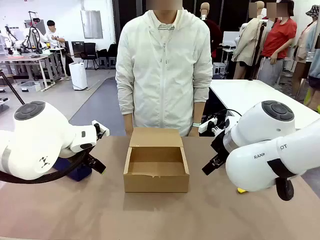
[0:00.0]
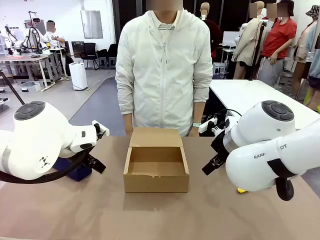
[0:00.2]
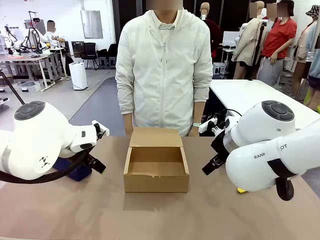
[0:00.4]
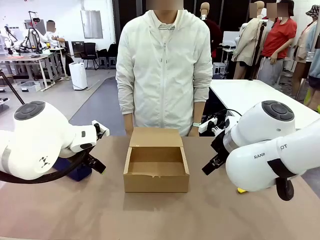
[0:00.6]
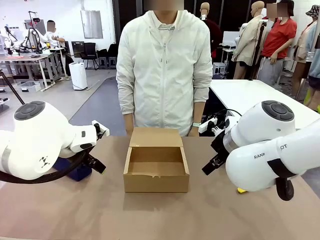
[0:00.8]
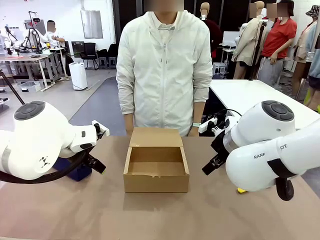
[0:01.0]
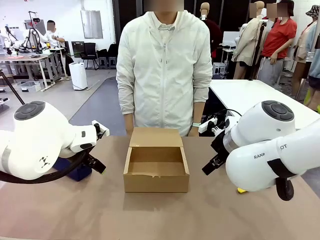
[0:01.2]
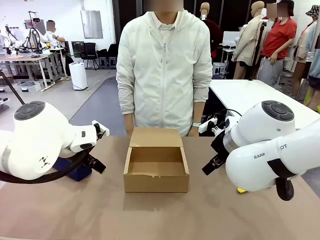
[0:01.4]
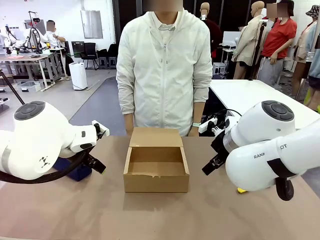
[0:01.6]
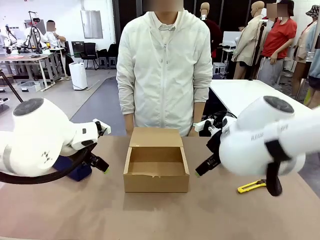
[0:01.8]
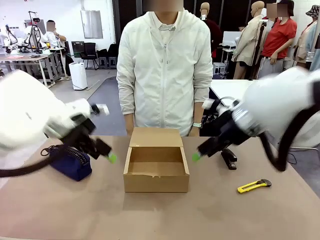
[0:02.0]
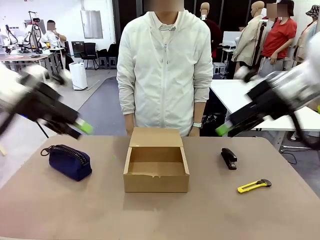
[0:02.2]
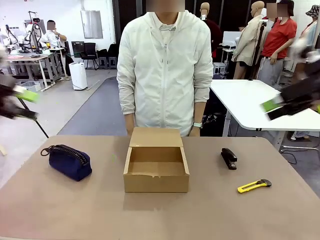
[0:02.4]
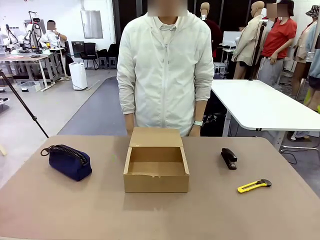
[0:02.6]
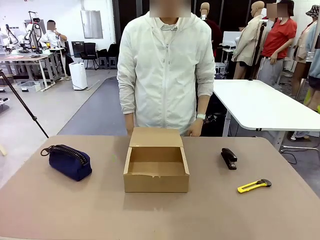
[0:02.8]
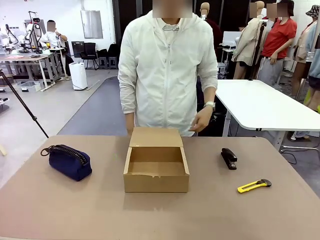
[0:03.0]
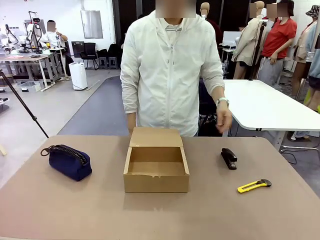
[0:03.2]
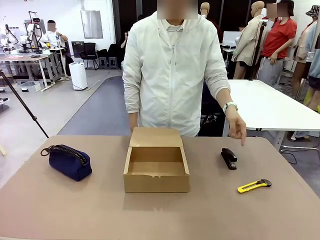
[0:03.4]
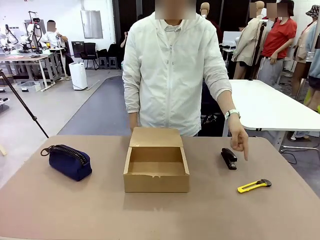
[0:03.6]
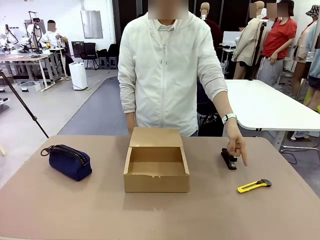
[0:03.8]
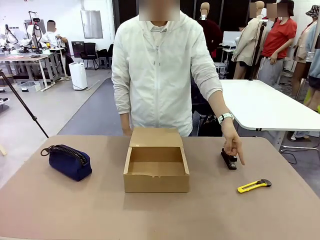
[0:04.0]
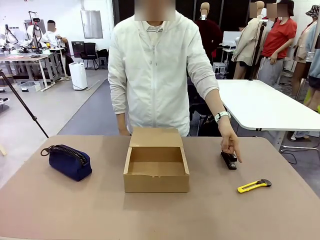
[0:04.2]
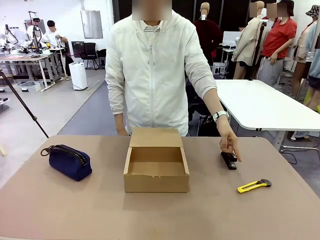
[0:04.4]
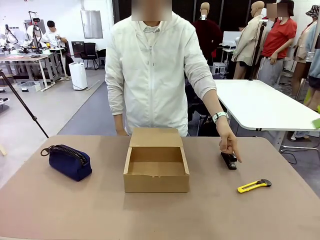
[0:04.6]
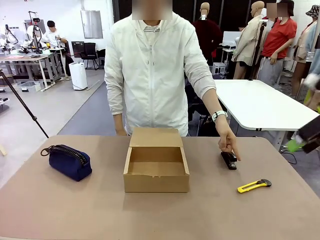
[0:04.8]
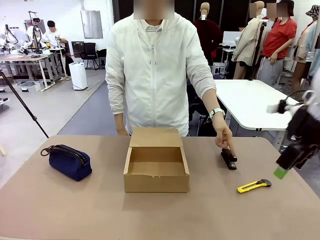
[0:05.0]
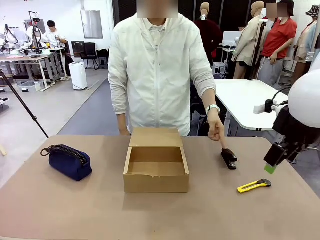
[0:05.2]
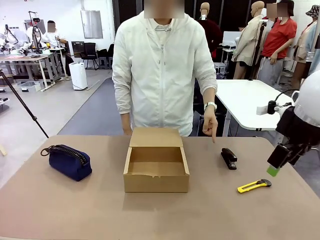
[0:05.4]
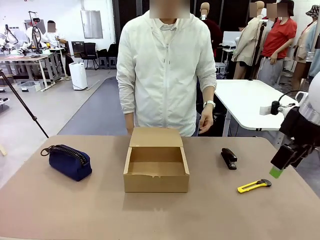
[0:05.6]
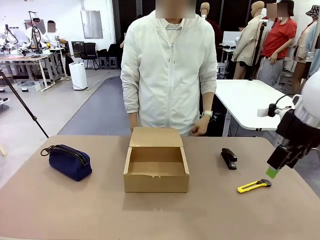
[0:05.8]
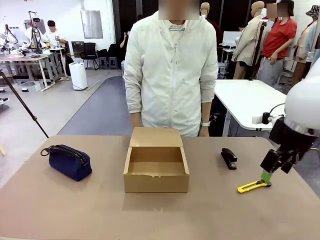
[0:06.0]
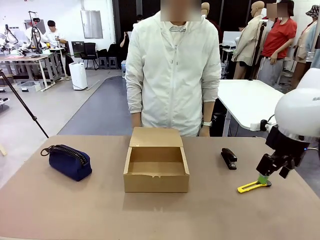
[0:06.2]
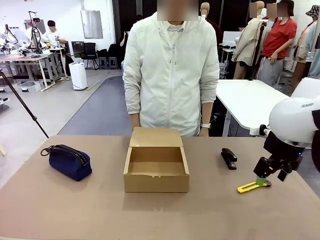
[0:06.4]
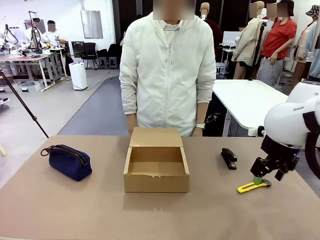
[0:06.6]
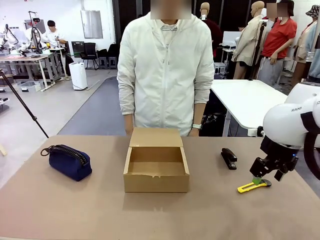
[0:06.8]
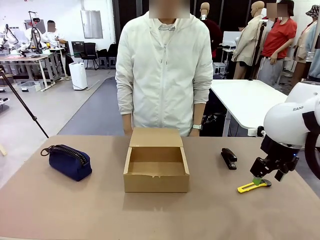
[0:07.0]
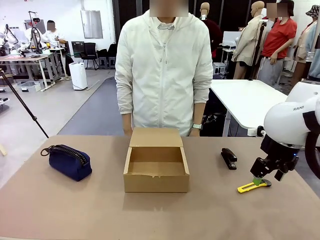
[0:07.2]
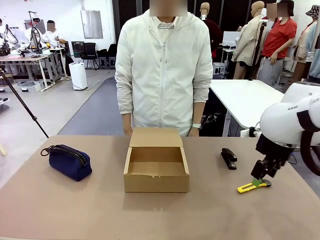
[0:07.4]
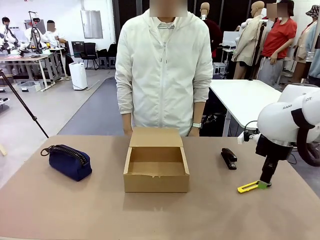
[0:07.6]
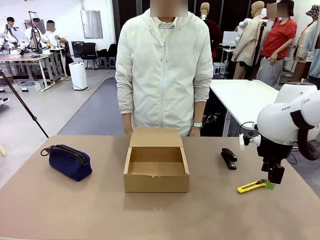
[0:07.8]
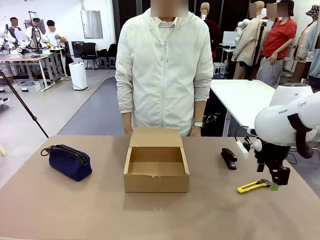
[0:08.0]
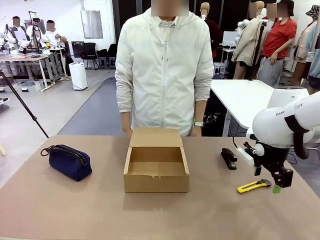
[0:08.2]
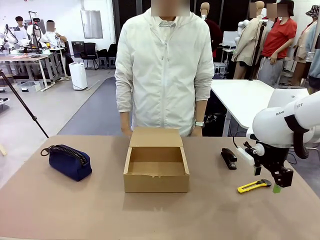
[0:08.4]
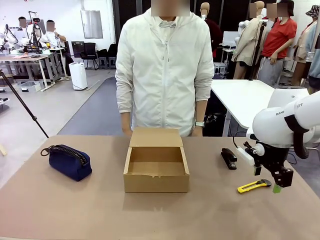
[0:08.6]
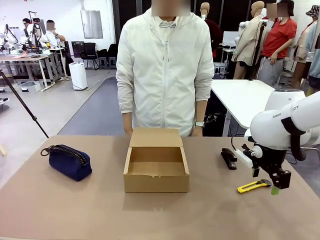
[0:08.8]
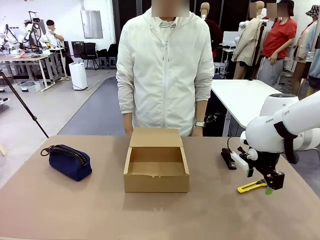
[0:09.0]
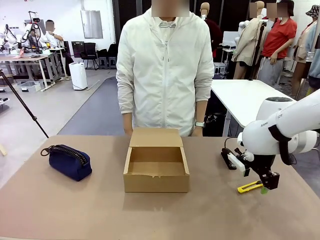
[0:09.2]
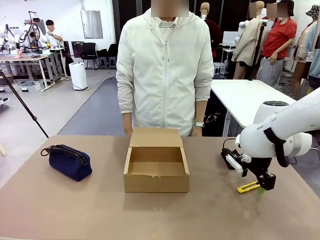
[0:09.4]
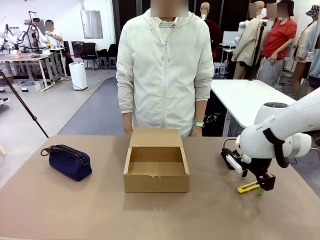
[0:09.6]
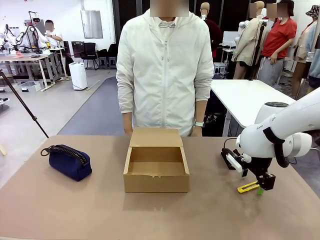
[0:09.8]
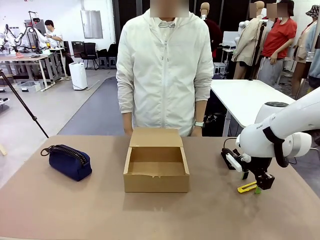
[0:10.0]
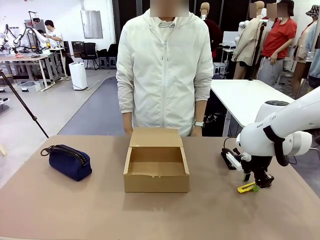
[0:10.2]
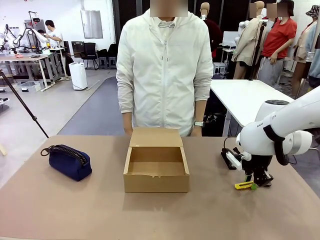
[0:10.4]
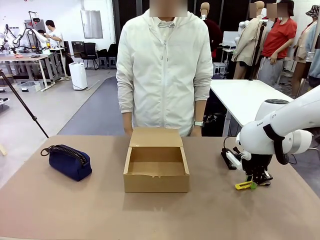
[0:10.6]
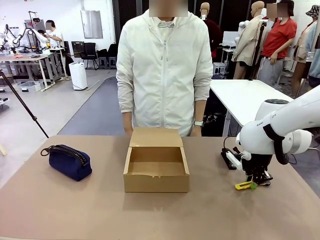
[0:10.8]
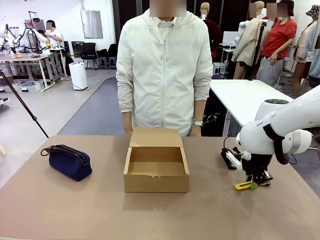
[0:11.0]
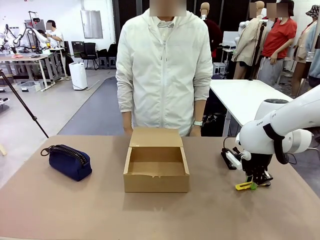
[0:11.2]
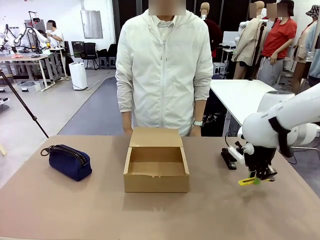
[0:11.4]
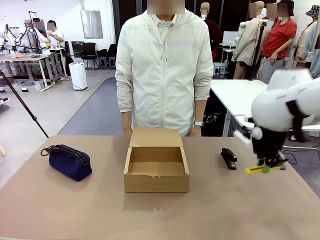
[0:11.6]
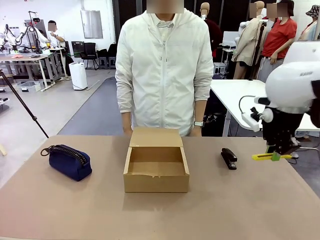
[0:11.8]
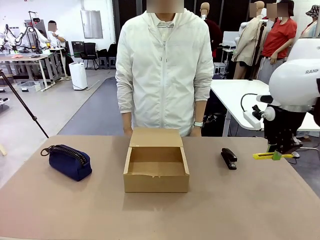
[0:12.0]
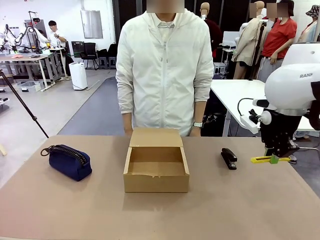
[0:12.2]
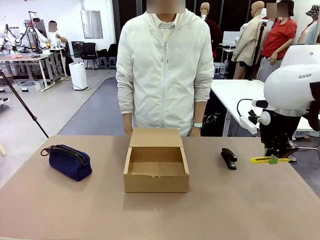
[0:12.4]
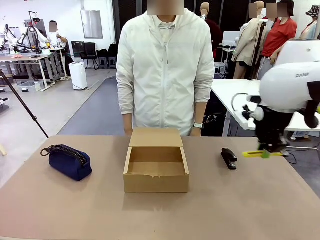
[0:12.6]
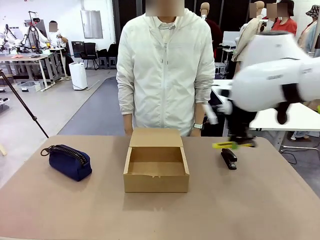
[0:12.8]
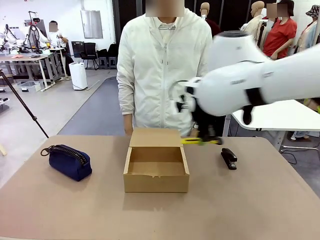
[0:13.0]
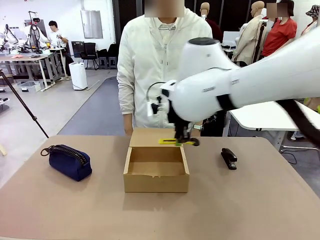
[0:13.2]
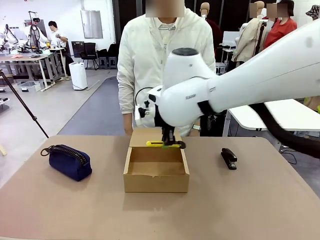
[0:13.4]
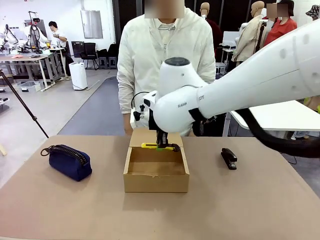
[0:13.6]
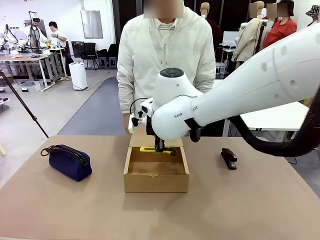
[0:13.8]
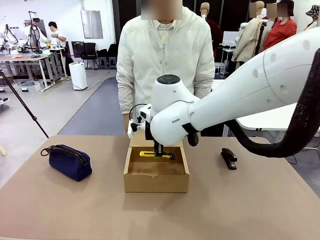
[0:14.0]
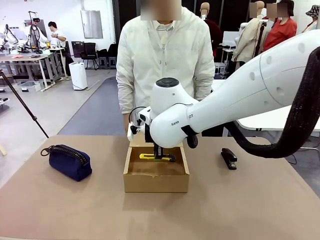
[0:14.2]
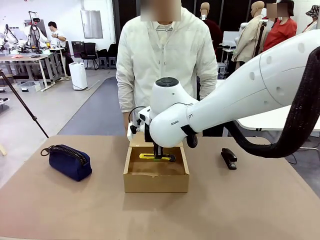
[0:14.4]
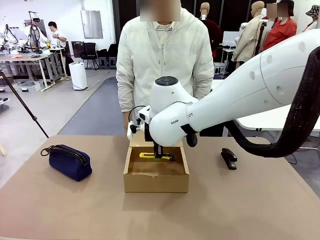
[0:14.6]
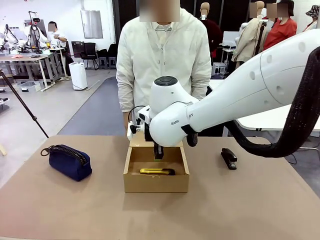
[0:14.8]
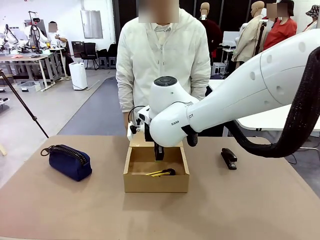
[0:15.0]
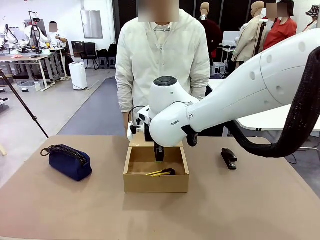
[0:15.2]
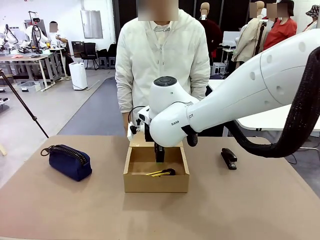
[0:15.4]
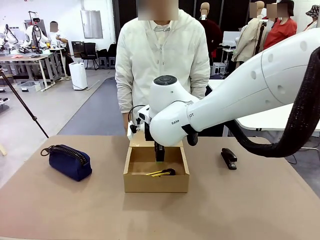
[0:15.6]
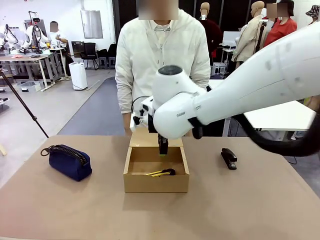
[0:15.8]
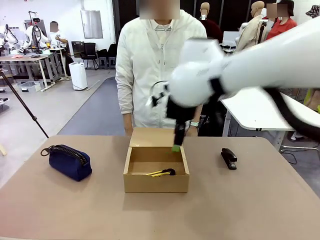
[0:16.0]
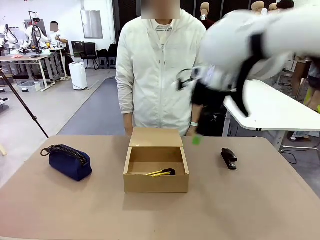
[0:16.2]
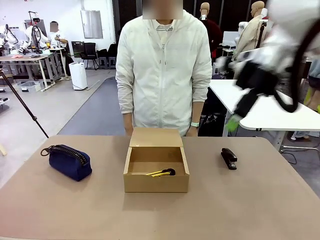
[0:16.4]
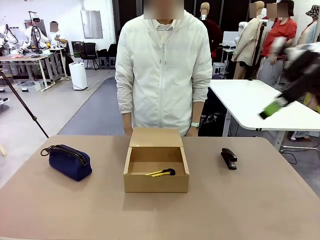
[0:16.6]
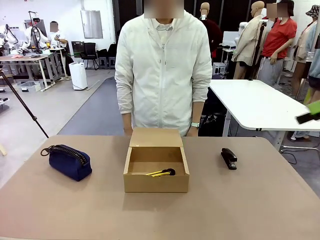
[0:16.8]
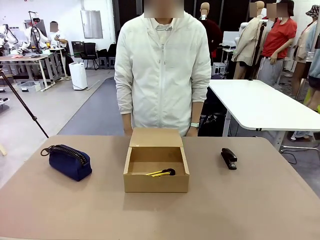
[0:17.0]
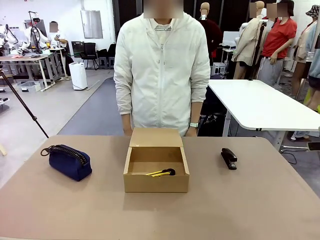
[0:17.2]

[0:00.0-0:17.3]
Task: Pack the items into the box.
Robot: Pick up the item indicated by the person and place it inside the Mailer Box.
Person: Point at one item on the table (excluding the box).
